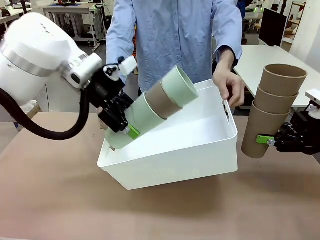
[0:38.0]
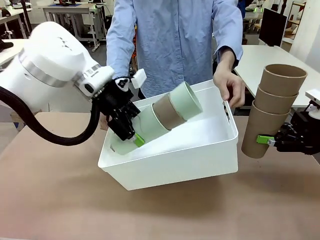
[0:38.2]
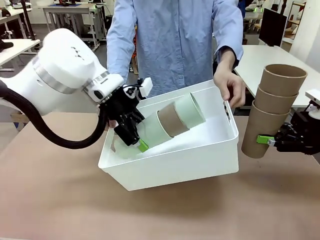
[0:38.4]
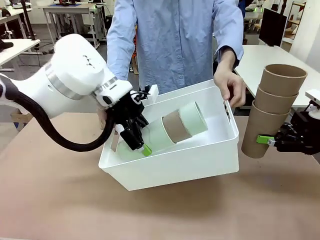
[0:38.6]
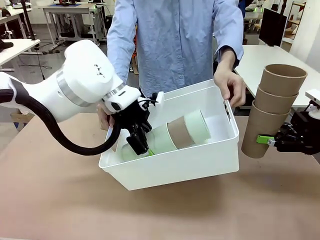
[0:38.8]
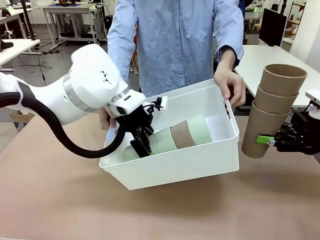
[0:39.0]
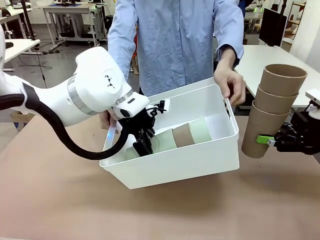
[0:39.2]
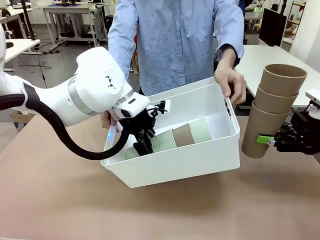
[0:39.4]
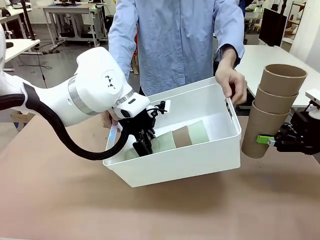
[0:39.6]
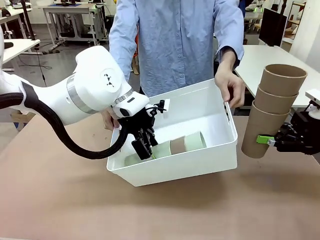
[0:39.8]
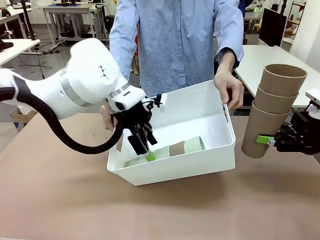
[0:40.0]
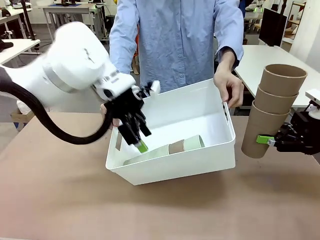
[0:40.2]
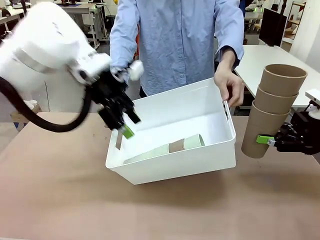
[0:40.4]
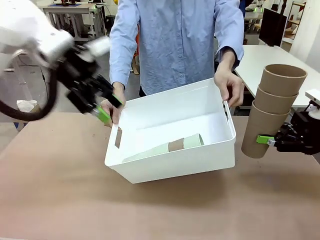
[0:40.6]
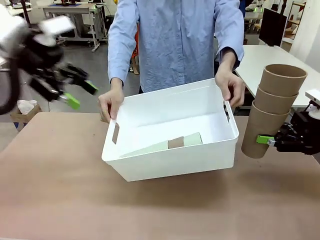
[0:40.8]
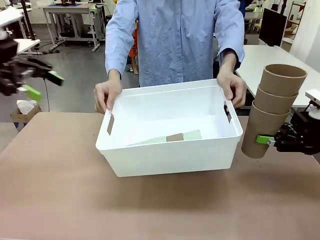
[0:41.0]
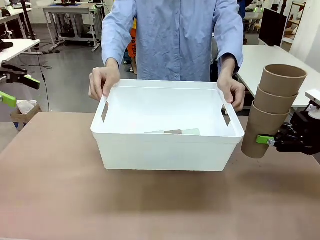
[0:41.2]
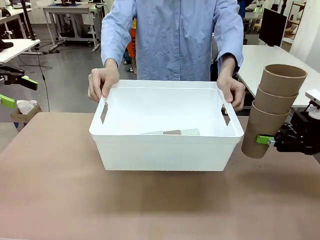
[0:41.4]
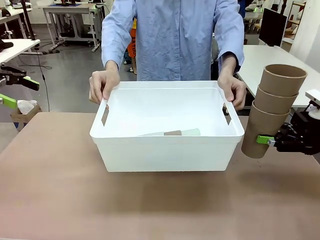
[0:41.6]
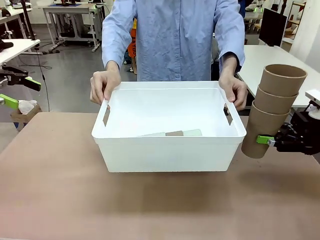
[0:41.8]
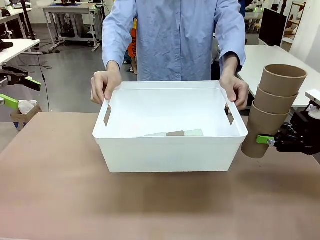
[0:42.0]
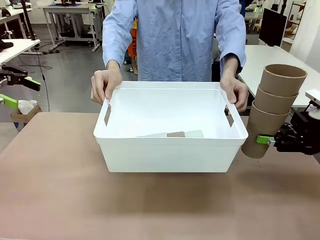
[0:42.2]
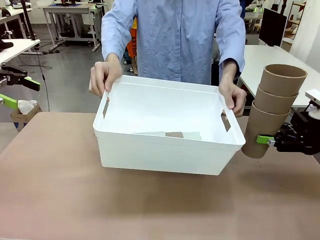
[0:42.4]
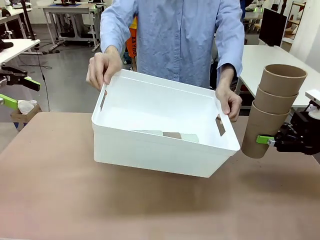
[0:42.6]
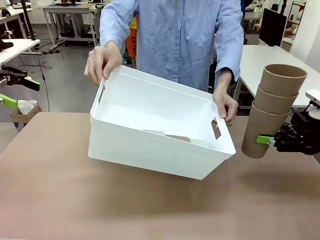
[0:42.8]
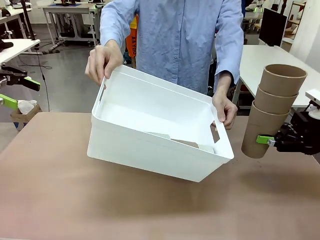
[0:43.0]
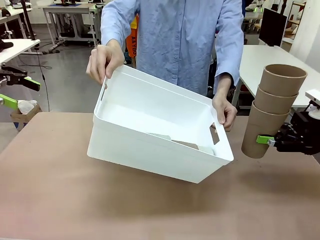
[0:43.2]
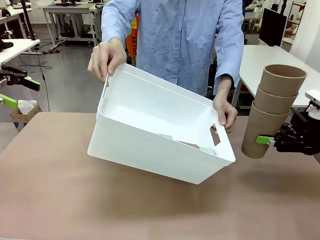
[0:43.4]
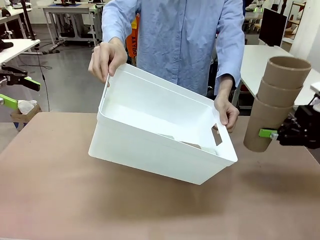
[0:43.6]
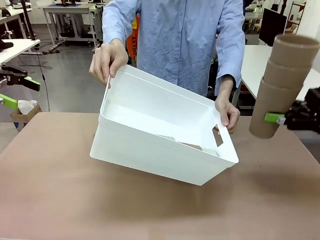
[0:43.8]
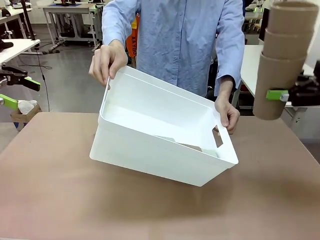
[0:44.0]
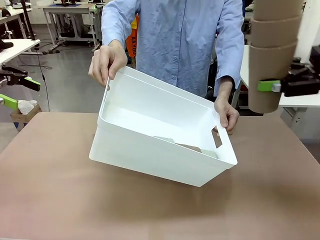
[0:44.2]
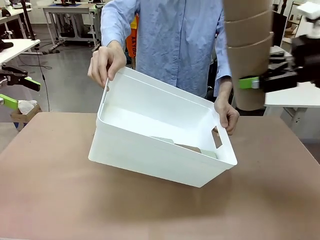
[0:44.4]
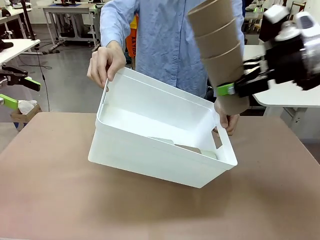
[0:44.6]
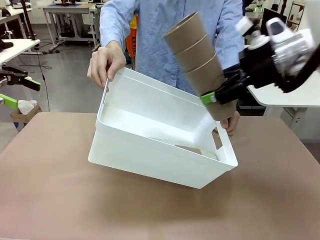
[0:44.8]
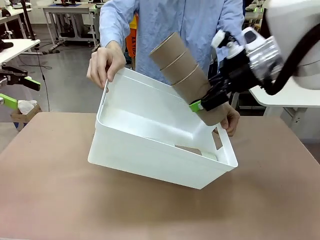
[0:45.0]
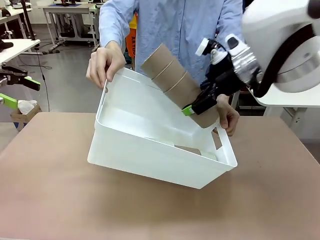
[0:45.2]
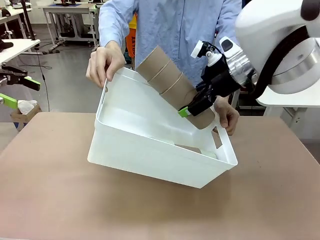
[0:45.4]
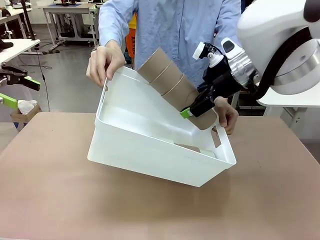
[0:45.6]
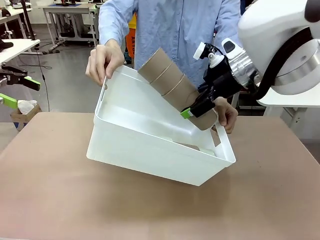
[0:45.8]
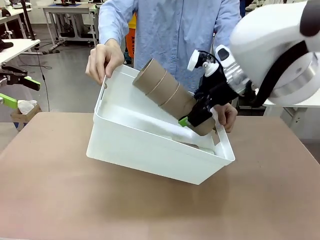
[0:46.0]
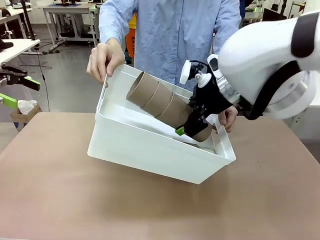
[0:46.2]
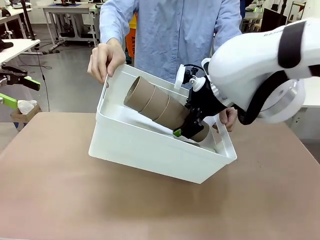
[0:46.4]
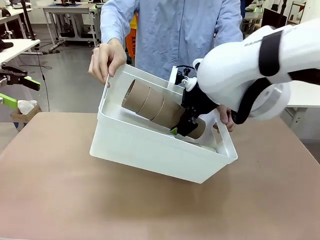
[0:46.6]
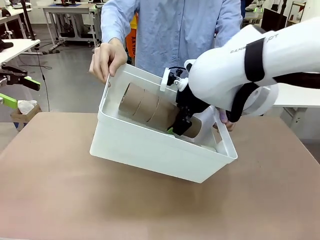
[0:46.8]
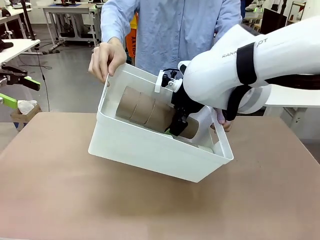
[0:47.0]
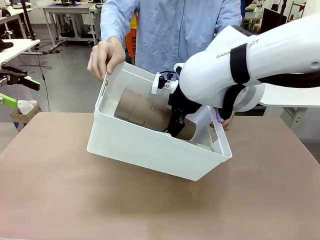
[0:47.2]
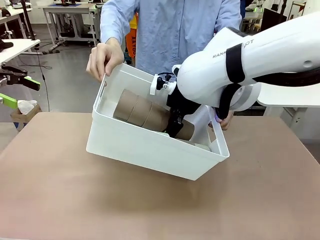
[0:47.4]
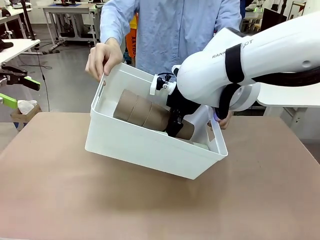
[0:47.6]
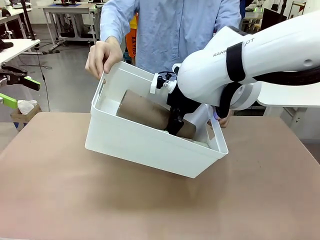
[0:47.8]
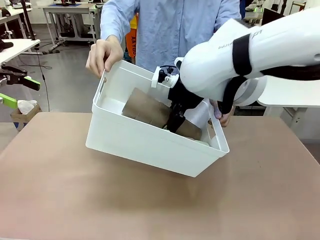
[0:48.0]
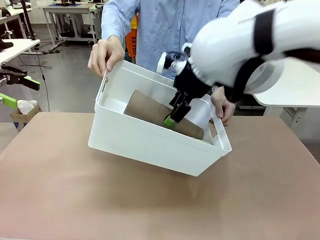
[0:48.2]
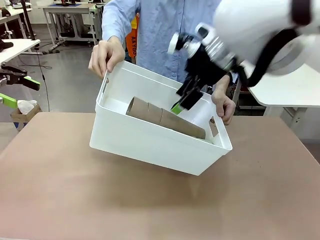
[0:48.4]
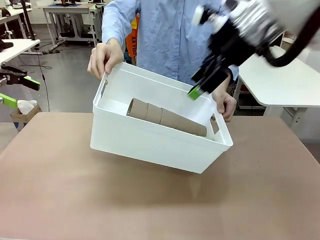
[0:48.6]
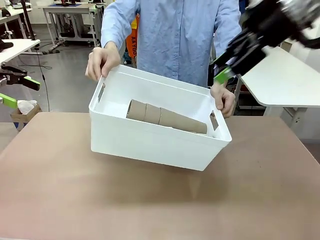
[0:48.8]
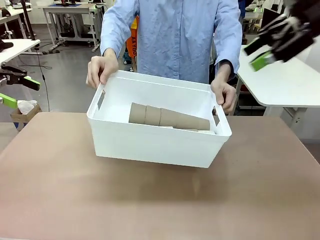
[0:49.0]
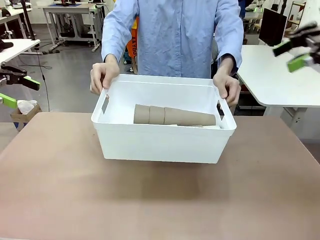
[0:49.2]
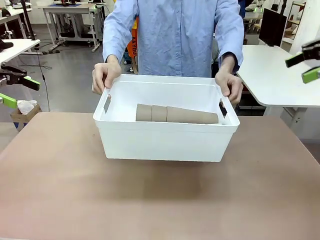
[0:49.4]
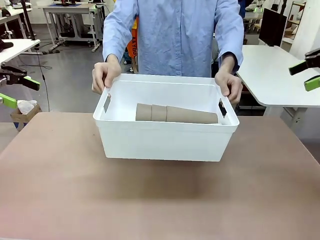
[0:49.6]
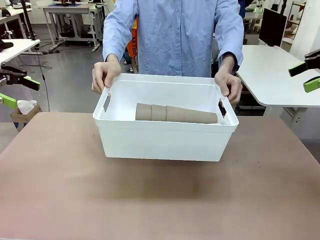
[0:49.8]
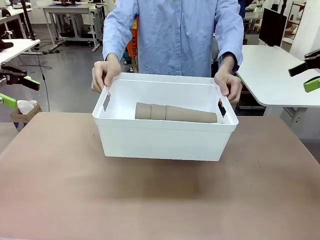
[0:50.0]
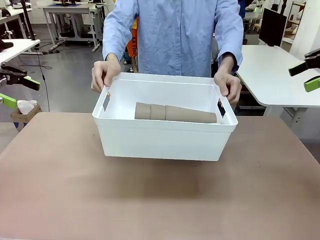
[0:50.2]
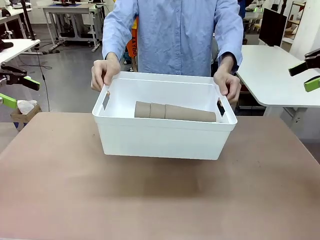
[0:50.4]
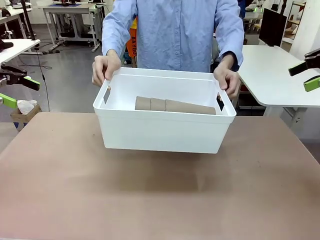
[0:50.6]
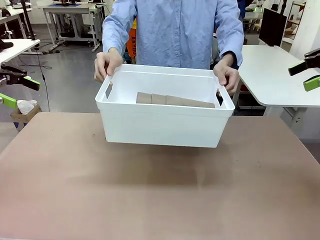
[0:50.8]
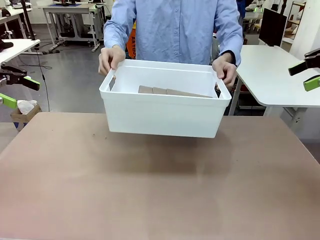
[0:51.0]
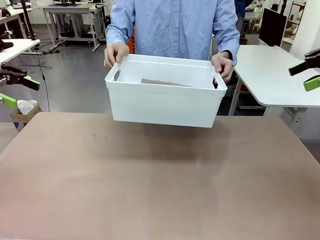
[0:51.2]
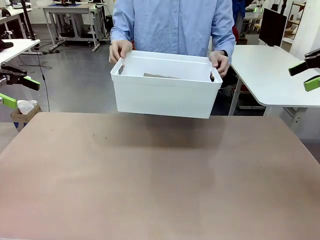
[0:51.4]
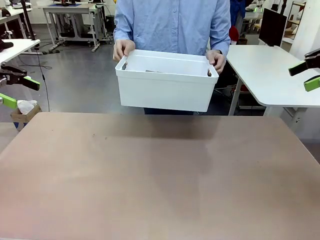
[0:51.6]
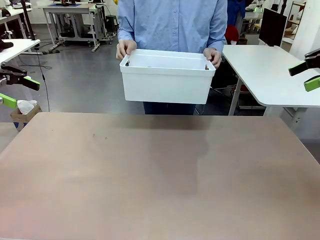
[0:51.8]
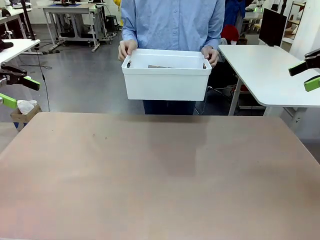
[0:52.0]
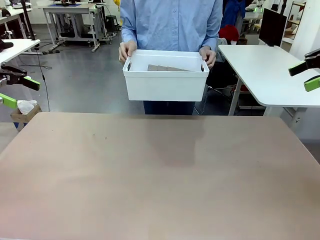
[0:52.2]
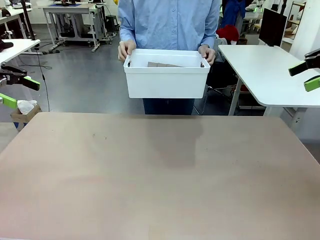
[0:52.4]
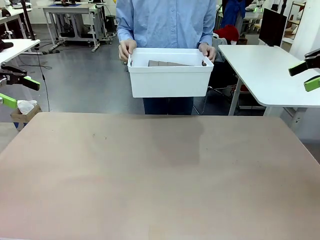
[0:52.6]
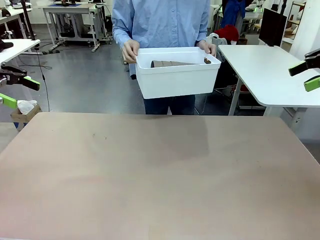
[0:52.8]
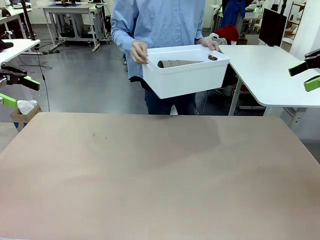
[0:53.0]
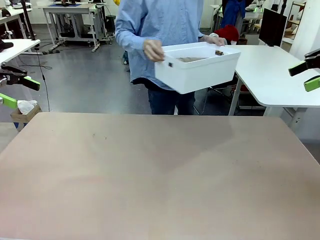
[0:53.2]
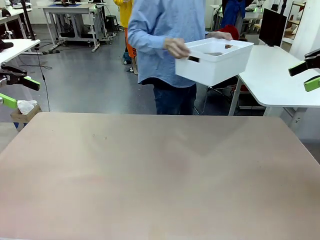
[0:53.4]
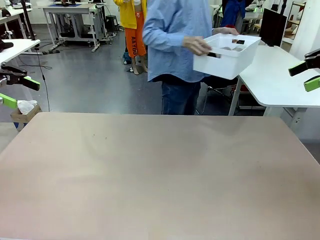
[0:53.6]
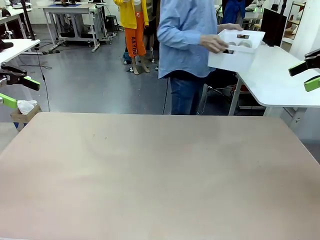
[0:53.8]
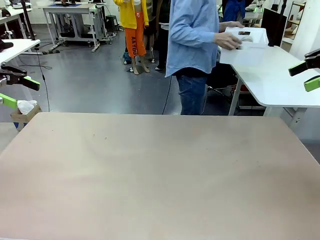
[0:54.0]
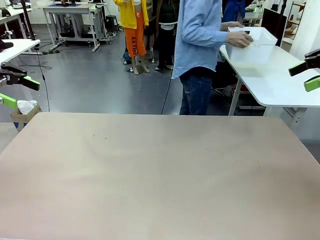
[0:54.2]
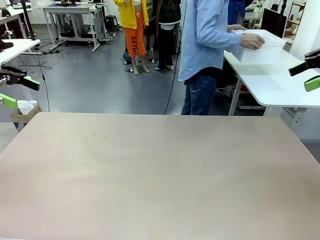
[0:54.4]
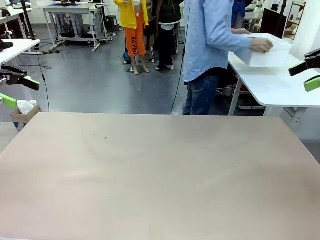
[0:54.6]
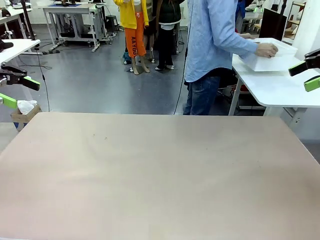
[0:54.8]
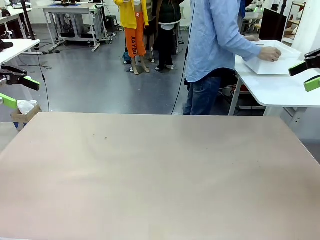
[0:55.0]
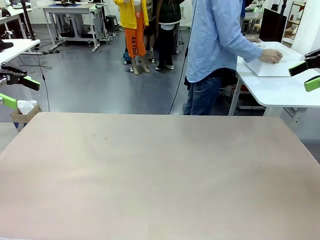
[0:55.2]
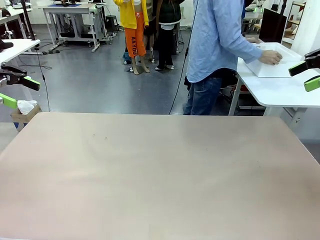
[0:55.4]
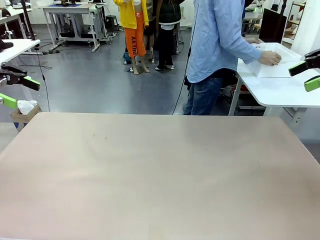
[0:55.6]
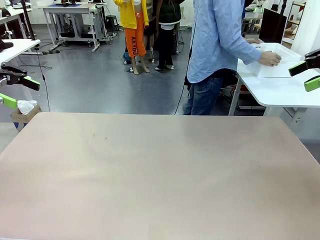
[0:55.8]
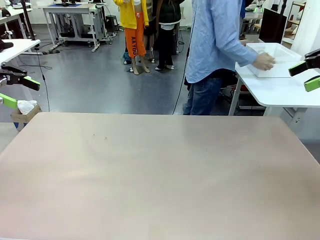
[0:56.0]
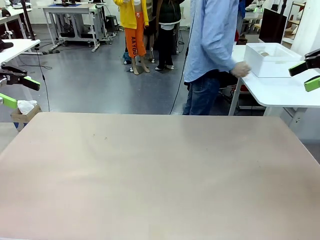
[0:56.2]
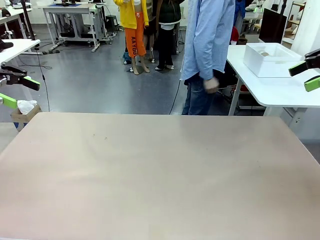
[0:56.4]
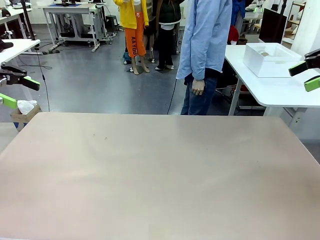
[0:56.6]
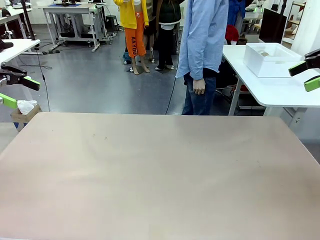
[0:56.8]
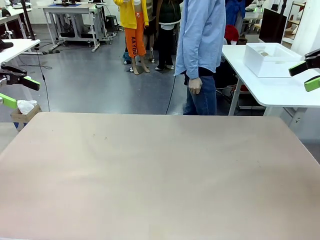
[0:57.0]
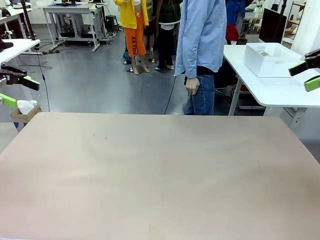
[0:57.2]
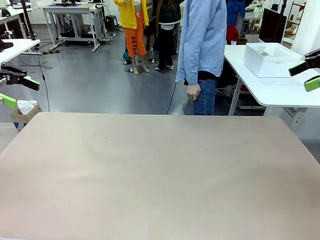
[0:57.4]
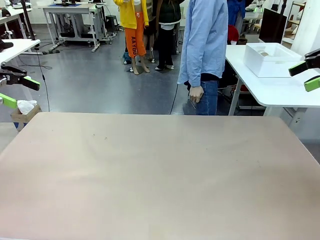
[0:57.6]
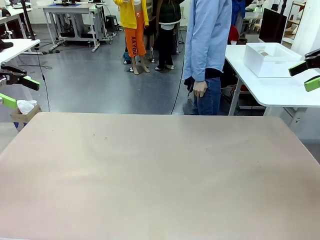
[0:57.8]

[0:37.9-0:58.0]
Task: Stack the cups and store them in the basket.
Robot: Place the stack of Reusable plastic cups into the Pantry Basket.
Person: Place the basket containing the cups in the middle of the Human Table.
